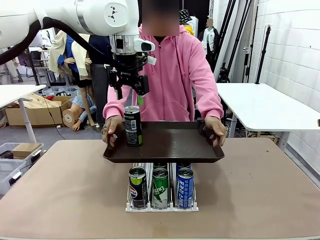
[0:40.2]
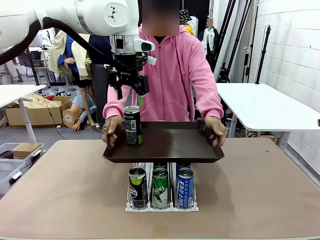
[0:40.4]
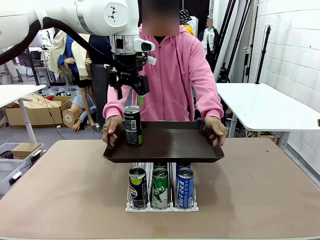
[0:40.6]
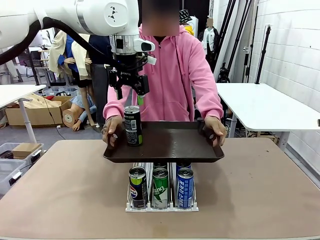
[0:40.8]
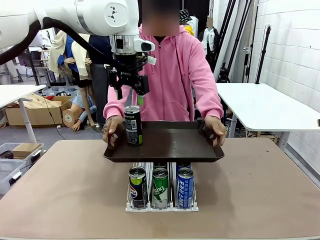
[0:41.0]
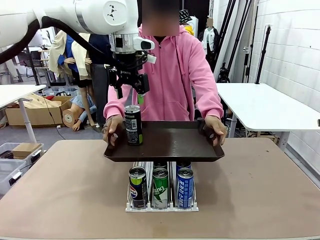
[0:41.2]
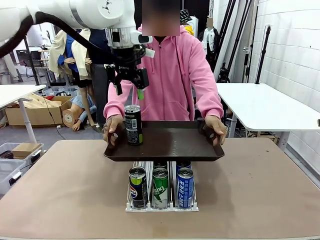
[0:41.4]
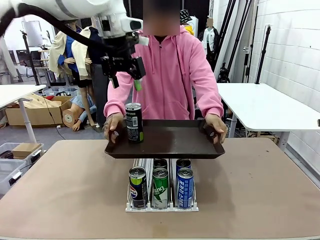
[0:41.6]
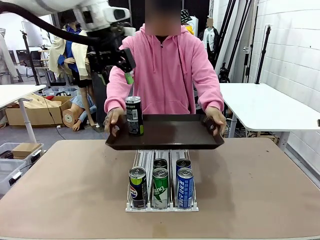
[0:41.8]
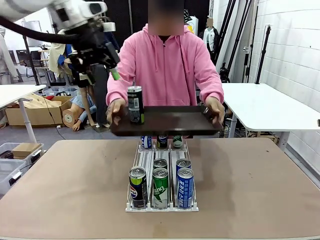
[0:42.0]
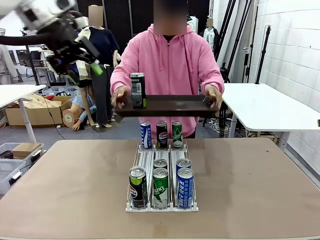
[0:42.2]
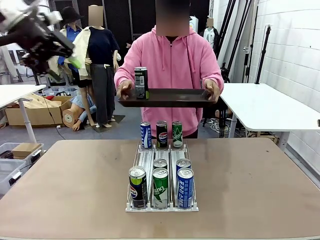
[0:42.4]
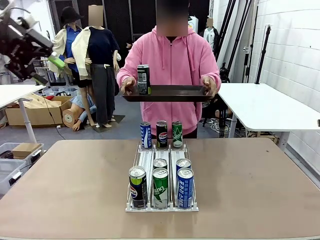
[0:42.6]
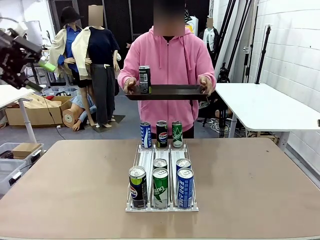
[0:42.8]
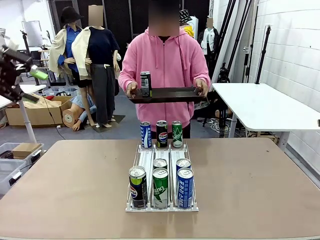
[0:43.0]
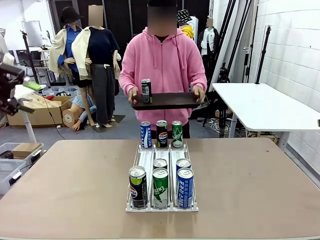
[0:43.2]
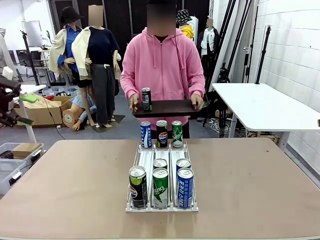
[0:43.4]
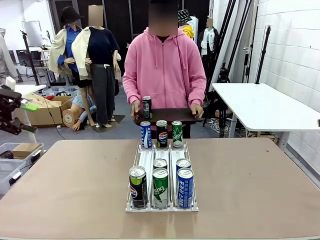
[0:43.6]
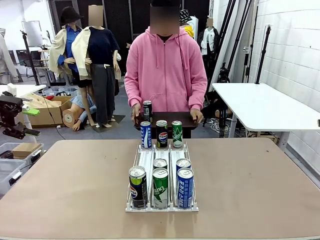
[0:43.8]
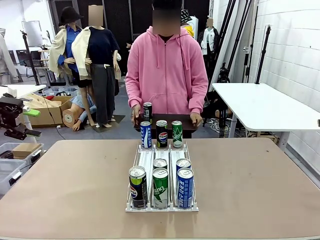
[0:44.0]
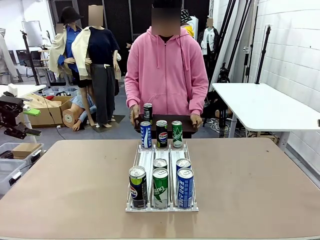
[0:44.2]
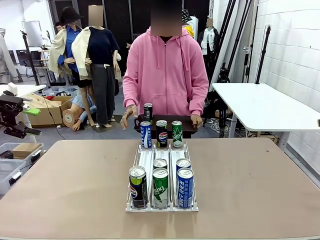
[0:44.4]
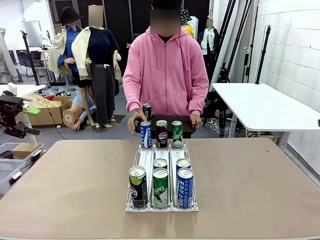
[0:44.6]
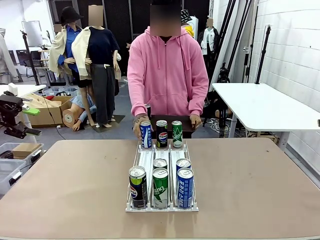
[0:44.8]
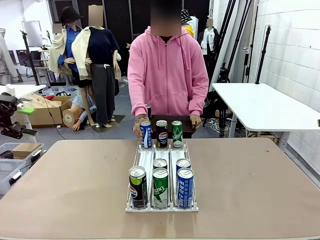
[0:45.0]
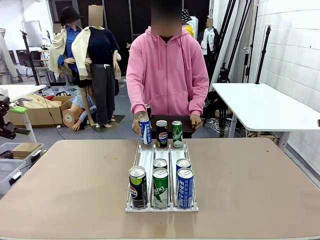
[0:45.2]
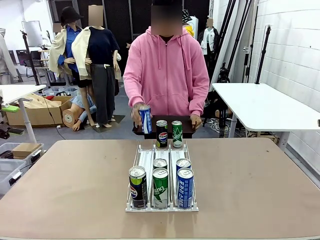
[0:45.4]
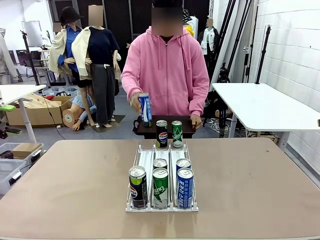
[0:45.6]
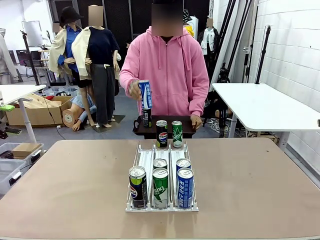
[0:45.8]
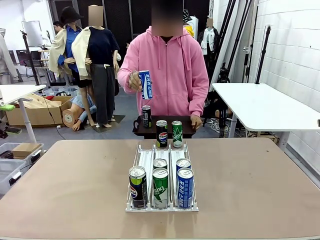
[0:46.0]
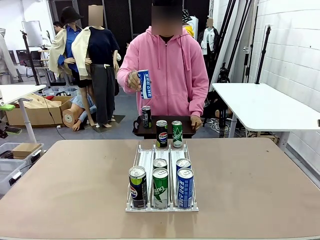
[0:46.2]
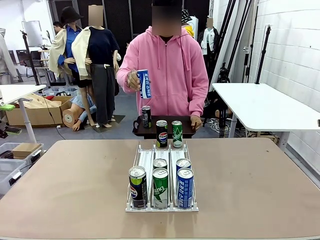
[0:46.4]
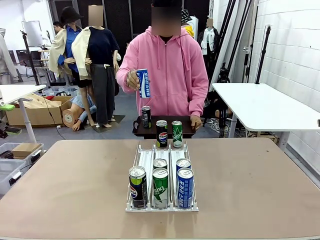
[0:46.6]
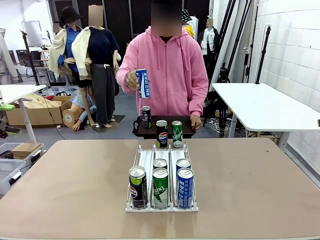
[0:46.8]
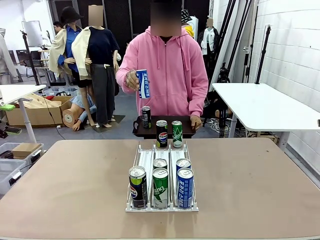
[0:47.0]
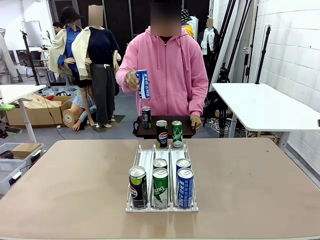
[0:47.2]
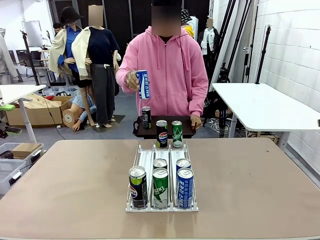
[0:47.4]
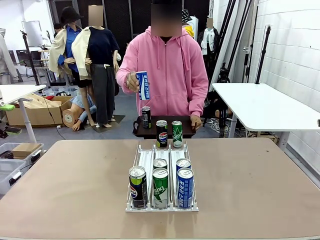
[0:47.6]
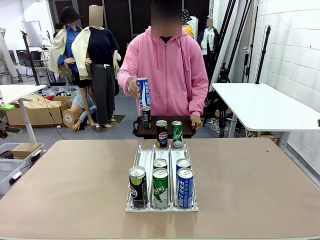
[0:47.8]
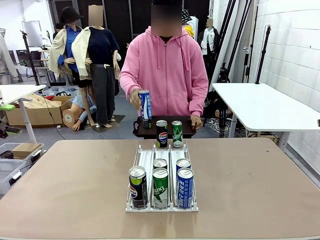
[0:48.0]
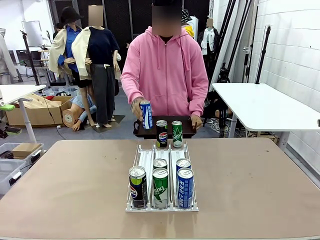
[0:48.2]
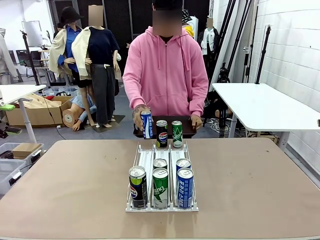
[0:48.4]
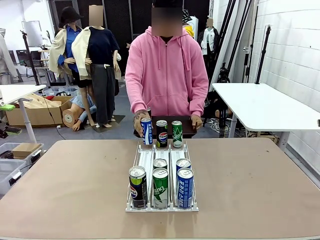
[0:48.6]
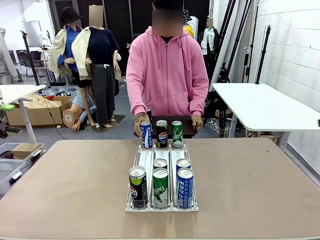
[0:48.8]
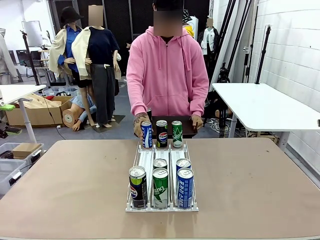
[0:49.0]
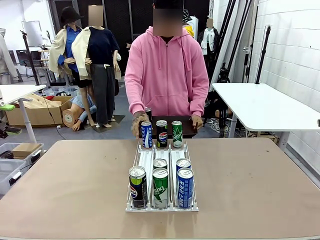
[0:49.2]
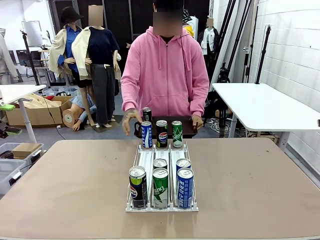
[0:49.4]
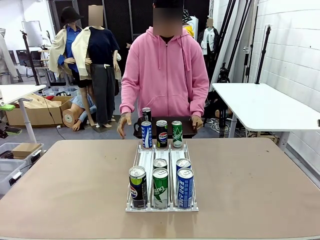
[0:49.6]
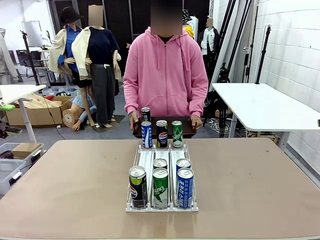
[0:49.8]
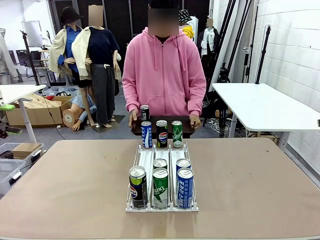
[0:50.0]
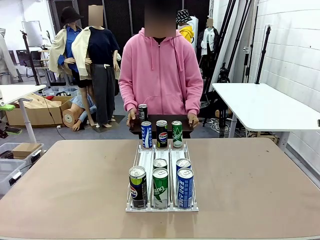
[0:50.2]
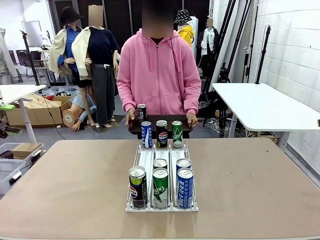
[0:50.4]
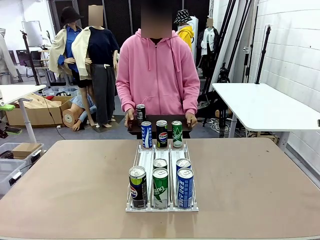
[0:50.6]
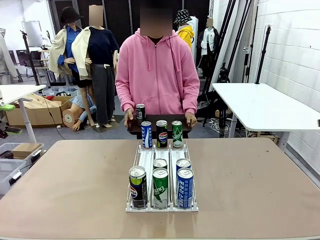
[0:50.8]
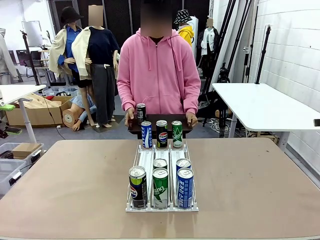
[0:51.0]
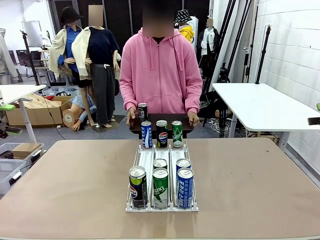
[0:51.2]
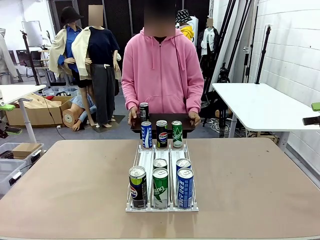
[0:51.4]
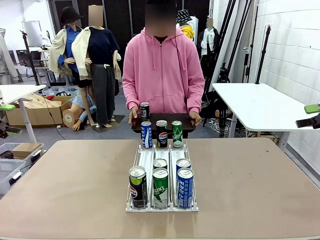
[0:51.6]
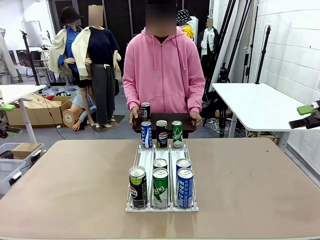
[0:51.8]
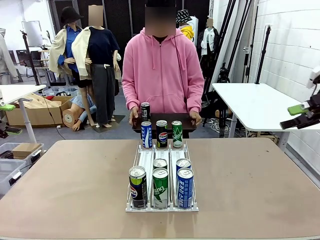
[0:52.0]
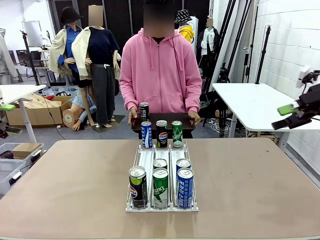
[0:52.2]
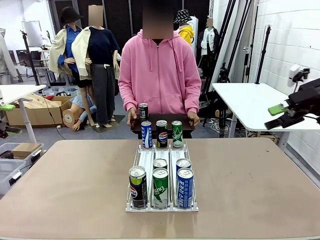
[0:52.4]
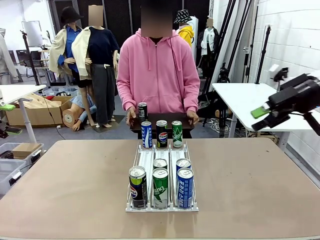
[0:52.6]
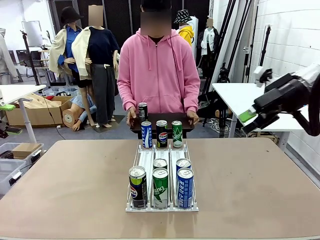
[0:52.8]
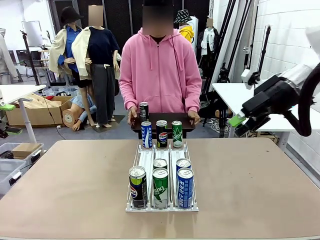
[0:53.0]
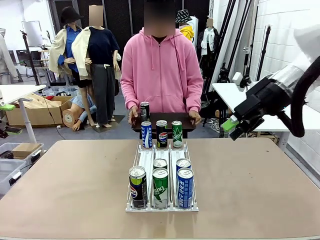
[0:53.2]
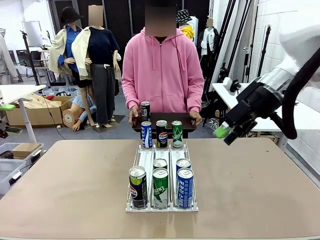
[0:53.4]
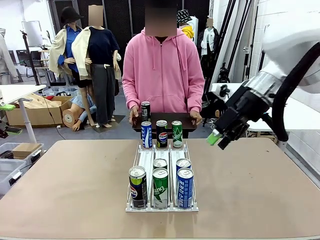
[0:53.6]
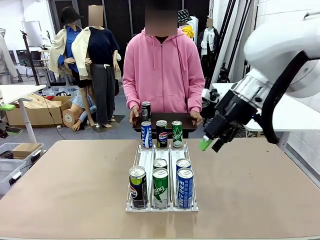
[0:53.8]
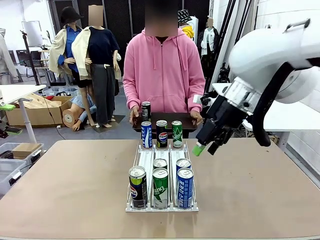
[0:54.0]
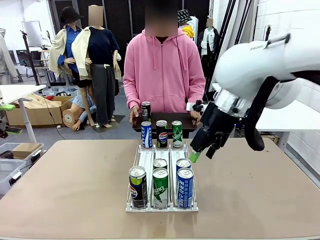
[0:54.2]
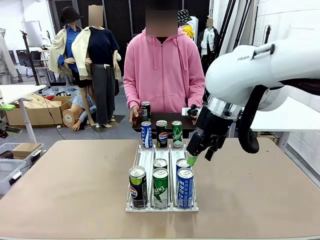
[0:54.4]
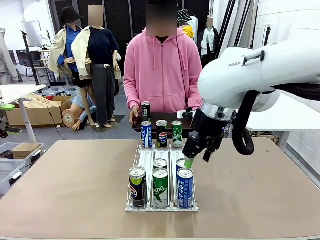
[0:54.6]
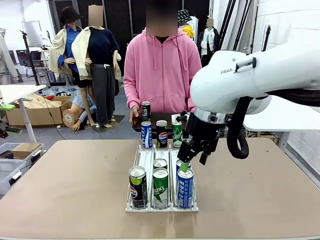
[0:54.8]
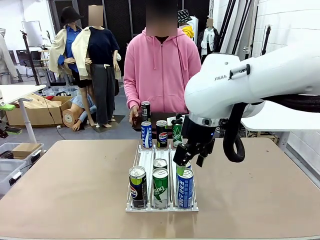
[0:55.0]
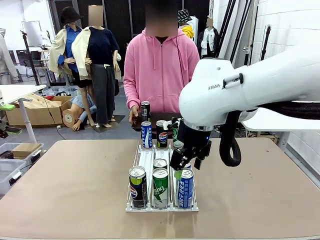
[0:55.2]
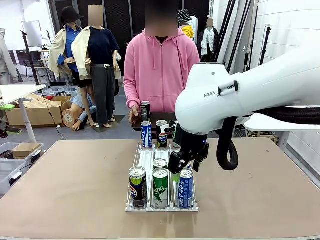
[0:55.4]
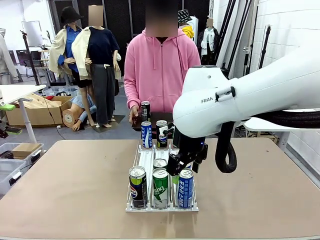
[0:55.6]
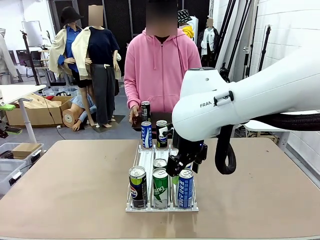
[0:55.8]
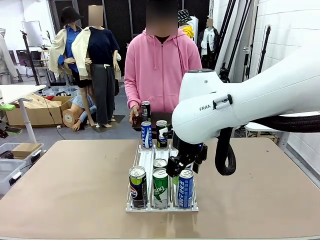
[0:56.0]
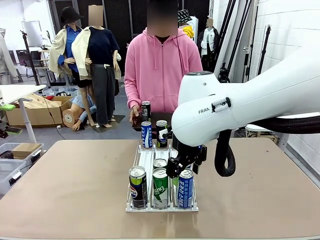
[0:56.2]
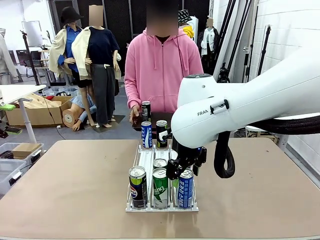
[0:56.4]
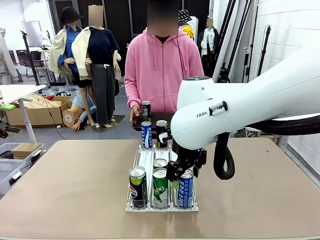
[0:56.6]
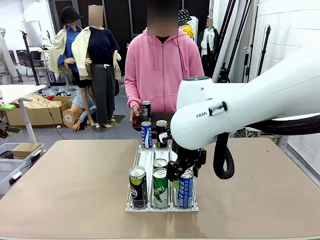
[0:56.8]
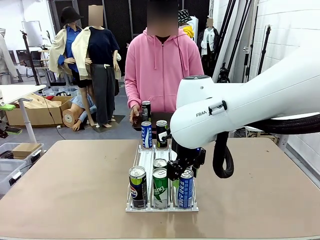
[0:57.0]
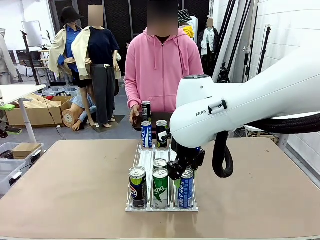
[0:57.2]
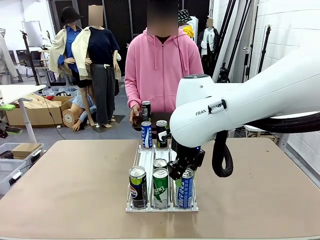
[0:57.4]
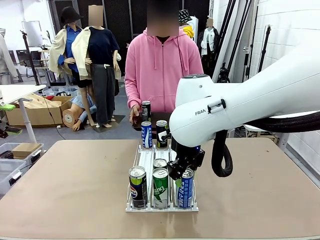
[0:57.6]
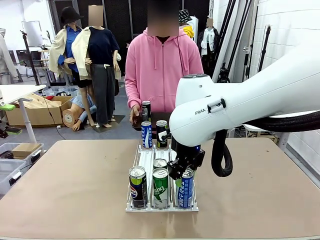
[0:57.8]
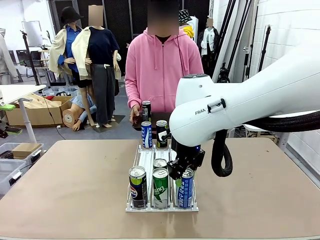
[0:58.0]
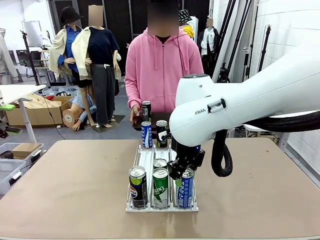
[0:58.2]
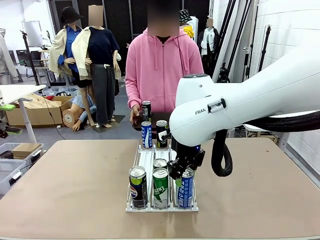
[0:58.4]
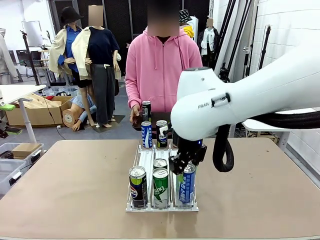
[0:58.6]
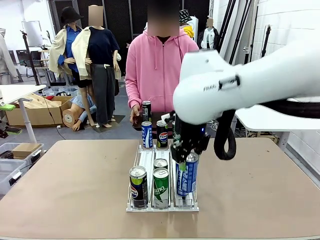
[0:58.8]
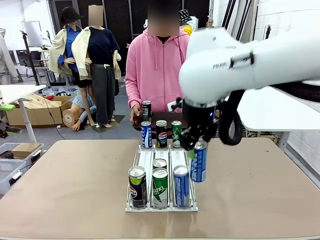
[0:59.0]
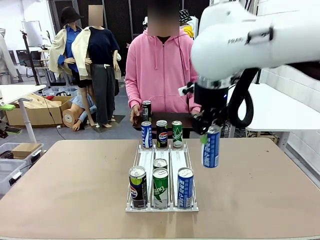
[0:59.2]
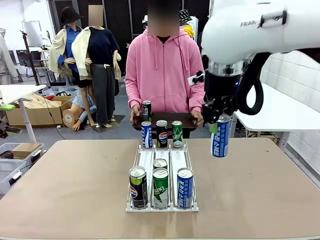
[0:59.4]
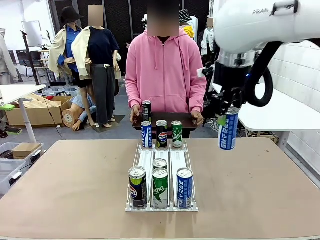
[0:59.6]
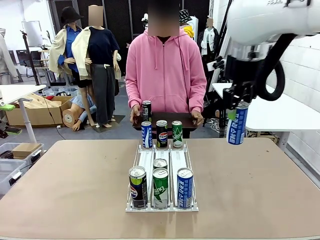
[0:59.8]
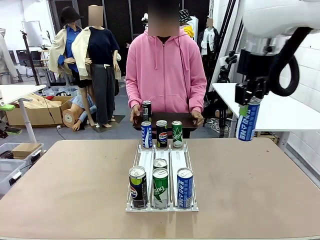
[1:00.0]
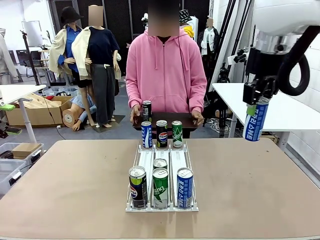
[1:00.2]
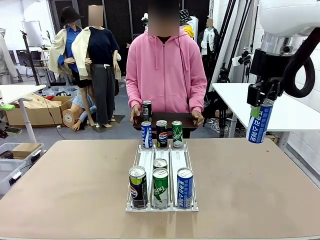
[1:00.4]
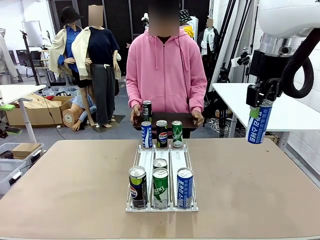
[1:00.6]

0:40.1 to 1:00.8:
Task: Retrieve and hand over the desired beverage to the person.
Robot: Pick up another can of the same type that the person held from the Automatic Can Dispenser.
Person: Pull the tray back, then pick up another can from the bottom area of the table and puts it back in its original place. Push the tray toward the robot again.
